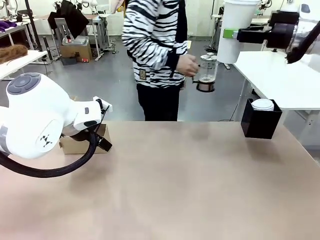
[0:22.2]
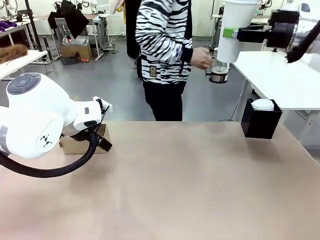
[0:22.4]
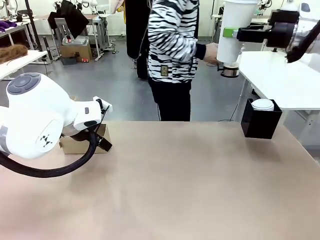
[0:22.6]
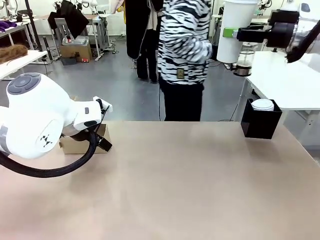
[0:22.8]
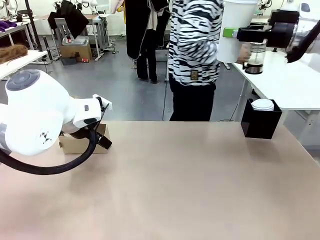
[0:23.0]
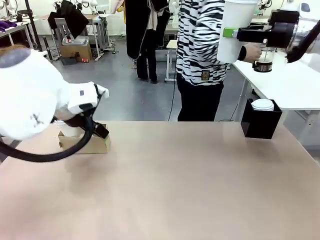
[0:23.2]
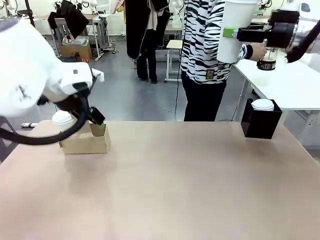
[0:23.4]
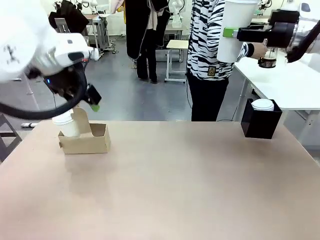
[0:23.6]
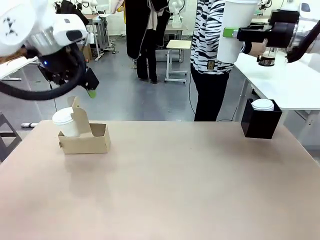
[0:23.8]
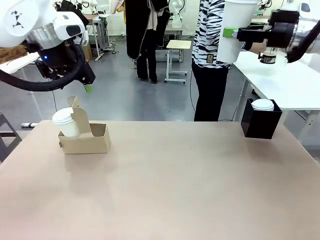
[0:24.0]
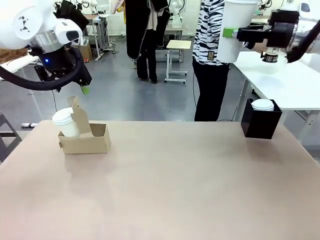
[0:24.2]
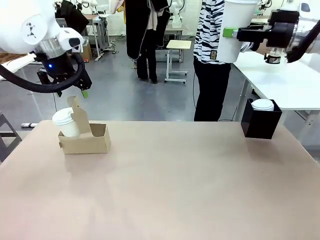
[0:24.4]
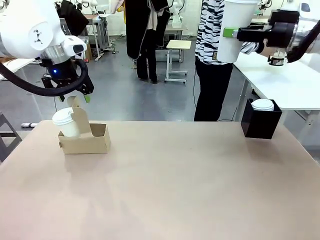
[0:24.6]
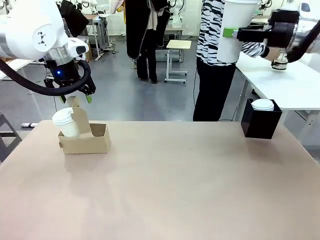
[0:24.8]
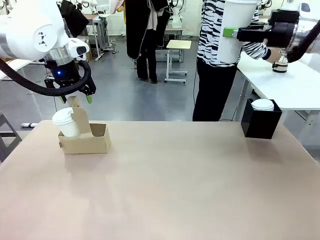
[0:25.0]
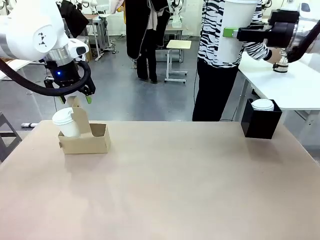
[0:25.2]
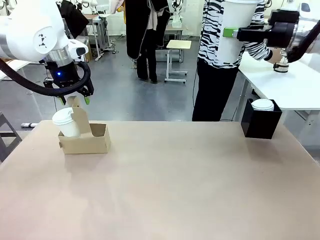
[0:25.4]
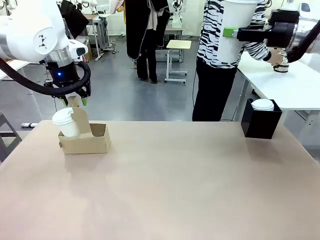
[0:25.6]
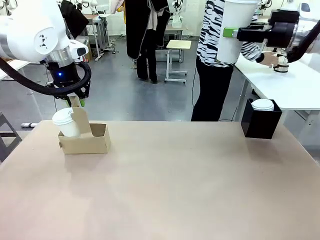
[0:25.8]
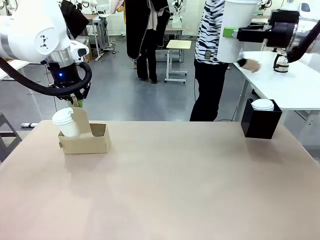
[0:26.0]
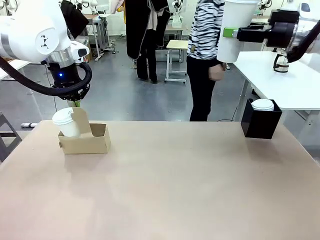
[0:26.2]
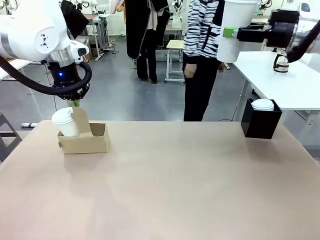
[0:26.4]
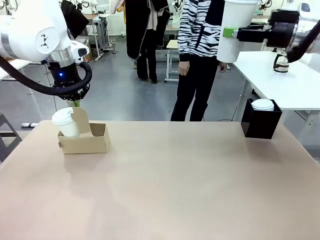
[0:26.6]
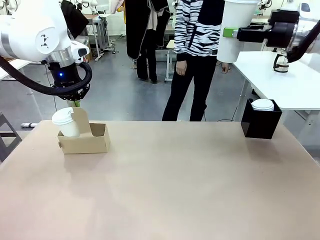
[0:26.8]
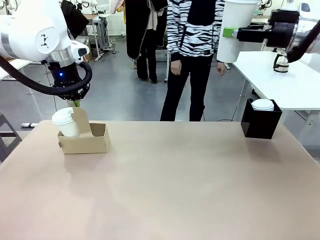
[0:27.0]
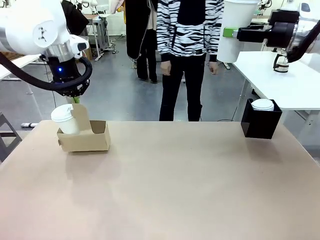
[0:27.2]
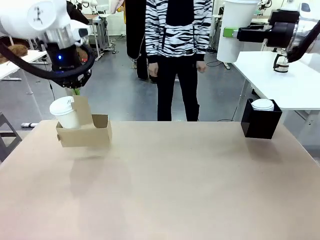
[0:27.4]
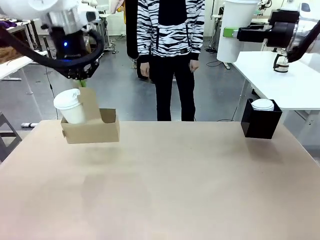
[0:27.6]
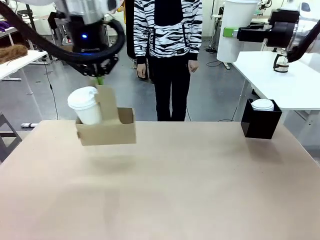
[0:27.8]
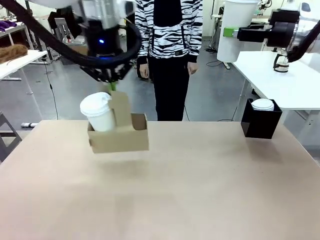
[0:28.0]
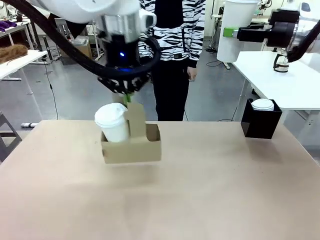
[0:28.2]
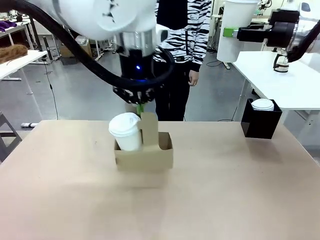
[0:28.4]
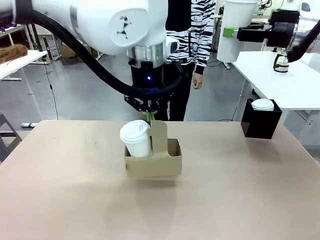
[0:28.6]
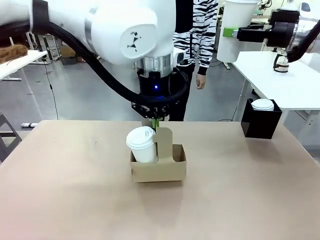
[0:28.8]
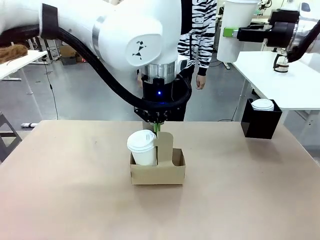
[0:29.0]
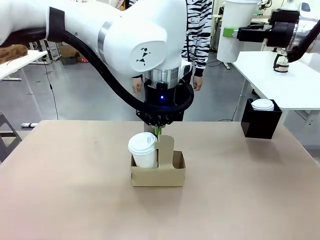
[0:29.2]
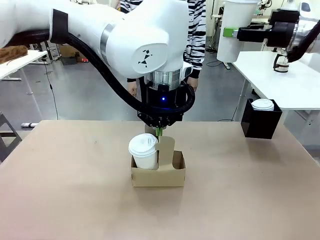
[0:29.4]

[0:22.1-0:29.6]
Task: Pour a drink into a cup and package it in a carrier.
Robot: Position the Cup Carrier in the center of the table.
Person: Pick up the Filter Brewing and place on the middle of Human table, and return to the Robot table.

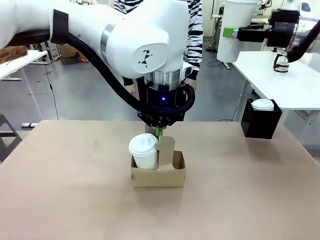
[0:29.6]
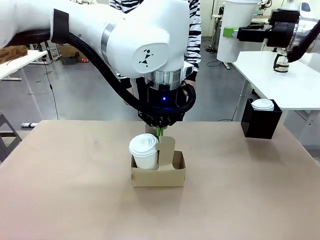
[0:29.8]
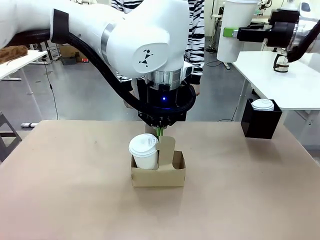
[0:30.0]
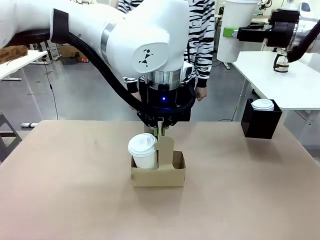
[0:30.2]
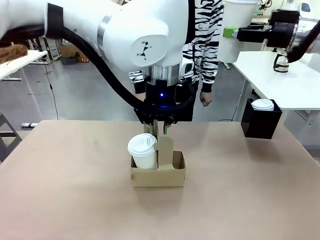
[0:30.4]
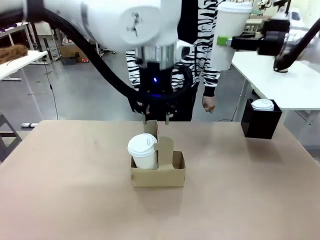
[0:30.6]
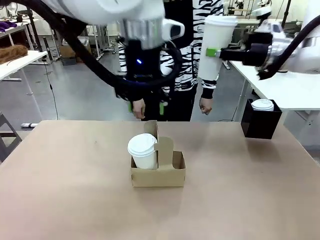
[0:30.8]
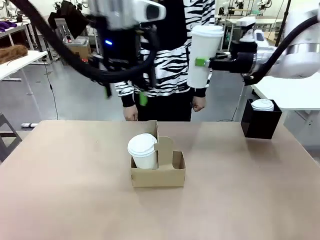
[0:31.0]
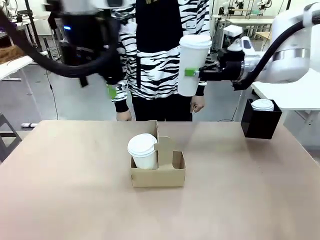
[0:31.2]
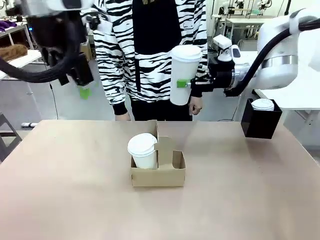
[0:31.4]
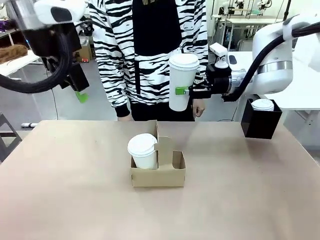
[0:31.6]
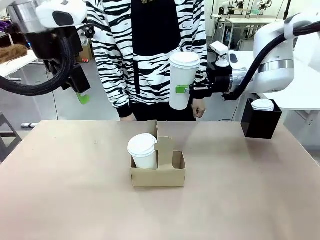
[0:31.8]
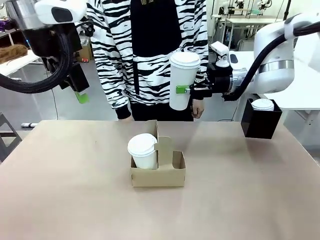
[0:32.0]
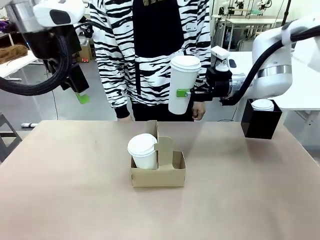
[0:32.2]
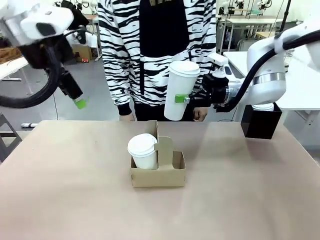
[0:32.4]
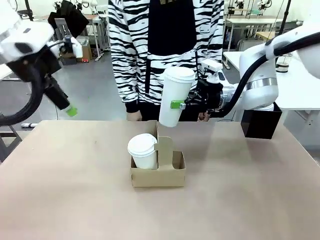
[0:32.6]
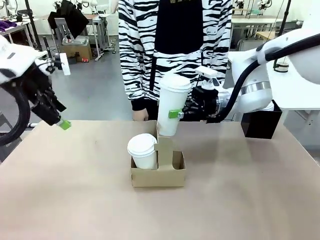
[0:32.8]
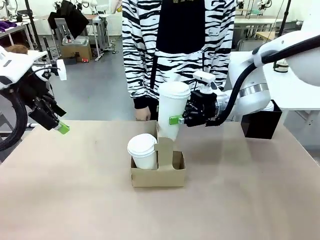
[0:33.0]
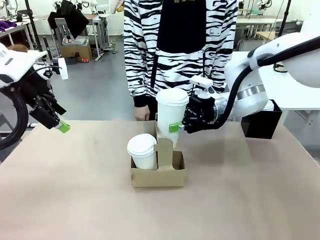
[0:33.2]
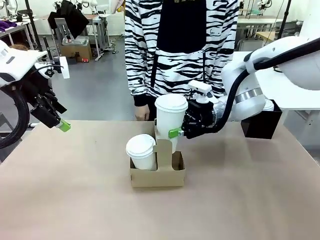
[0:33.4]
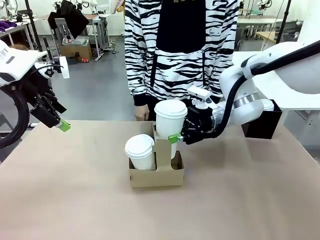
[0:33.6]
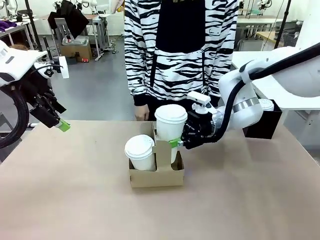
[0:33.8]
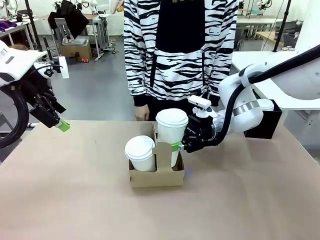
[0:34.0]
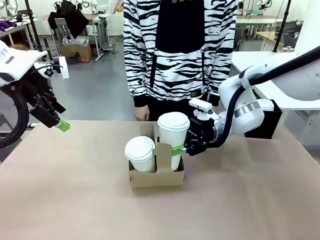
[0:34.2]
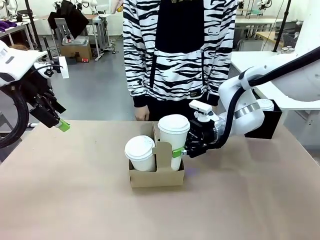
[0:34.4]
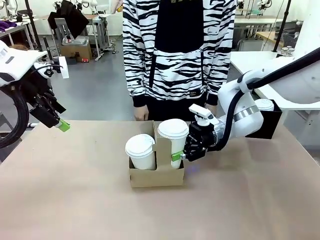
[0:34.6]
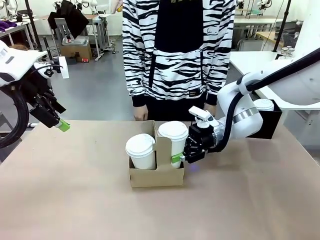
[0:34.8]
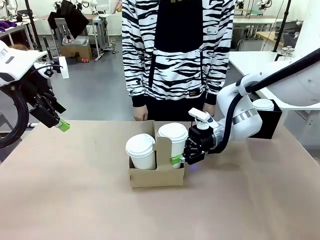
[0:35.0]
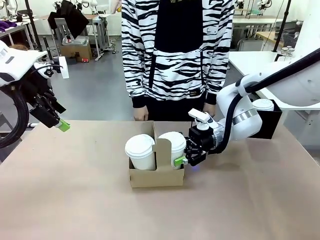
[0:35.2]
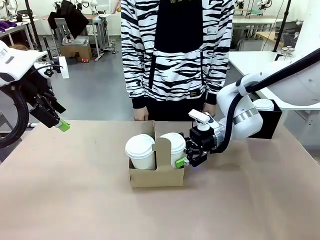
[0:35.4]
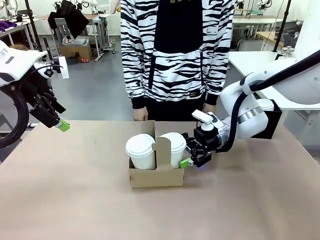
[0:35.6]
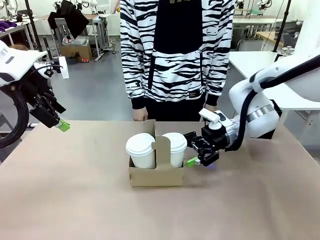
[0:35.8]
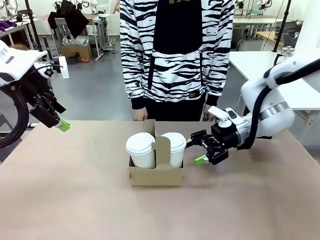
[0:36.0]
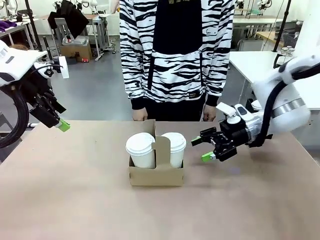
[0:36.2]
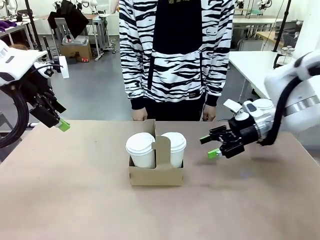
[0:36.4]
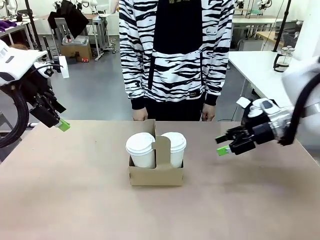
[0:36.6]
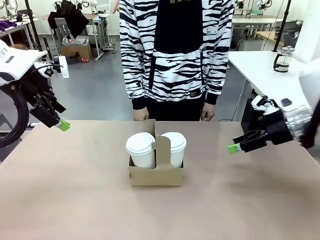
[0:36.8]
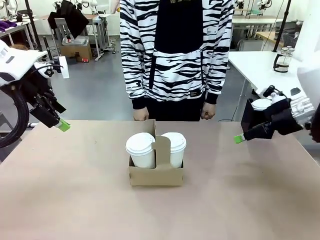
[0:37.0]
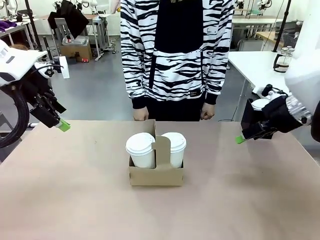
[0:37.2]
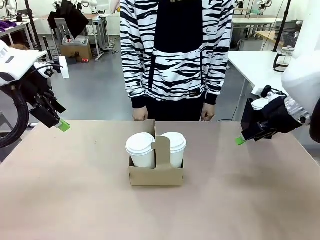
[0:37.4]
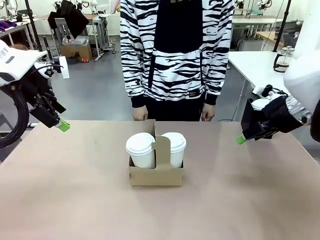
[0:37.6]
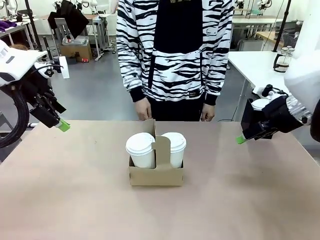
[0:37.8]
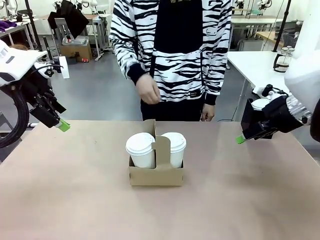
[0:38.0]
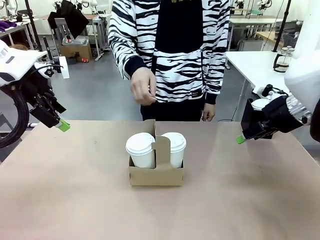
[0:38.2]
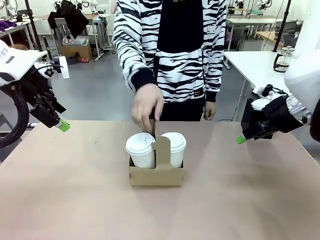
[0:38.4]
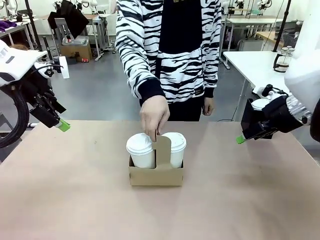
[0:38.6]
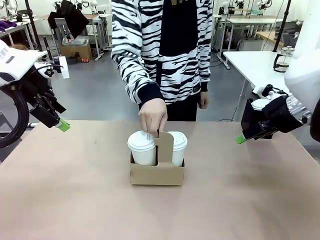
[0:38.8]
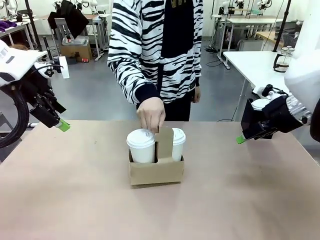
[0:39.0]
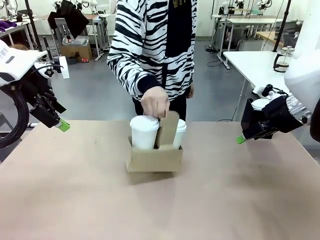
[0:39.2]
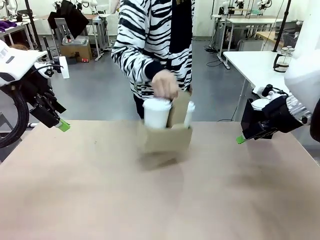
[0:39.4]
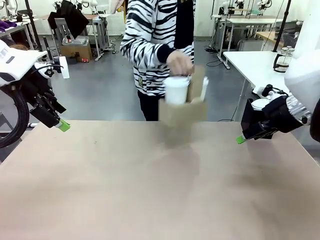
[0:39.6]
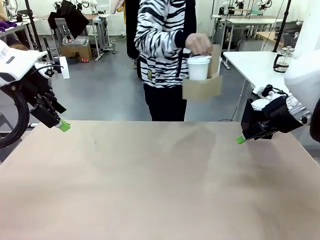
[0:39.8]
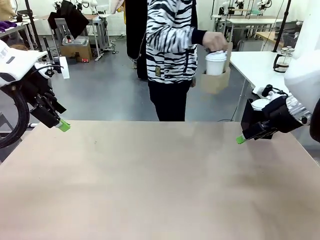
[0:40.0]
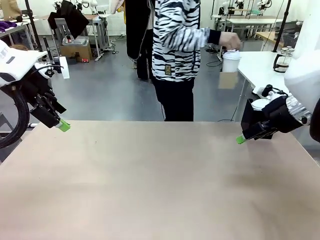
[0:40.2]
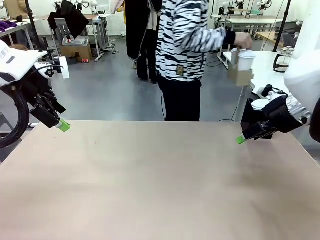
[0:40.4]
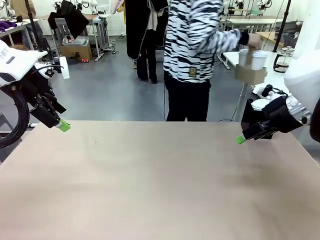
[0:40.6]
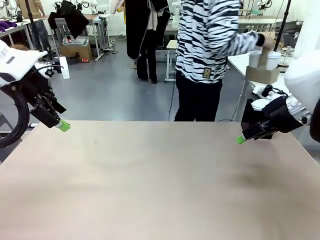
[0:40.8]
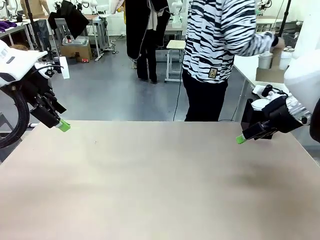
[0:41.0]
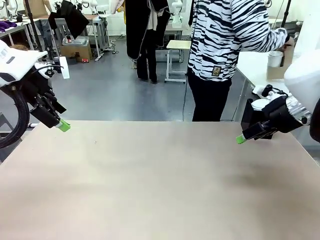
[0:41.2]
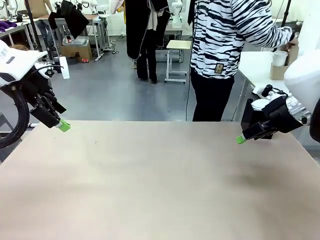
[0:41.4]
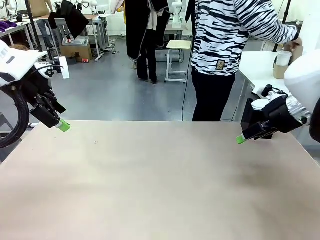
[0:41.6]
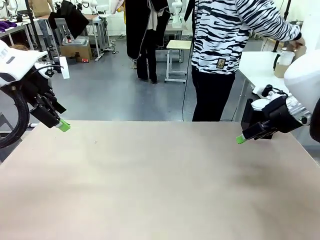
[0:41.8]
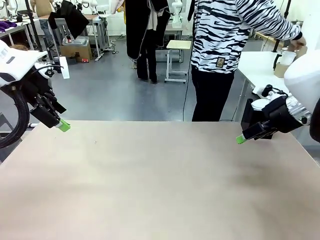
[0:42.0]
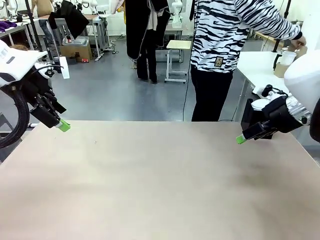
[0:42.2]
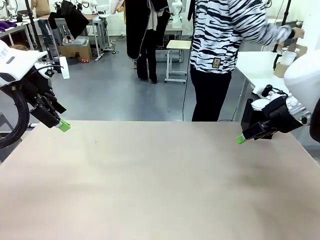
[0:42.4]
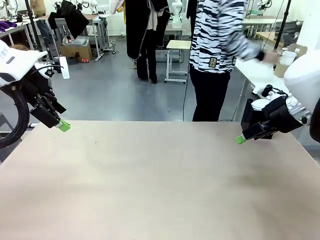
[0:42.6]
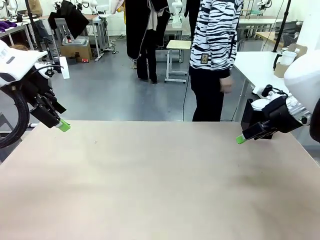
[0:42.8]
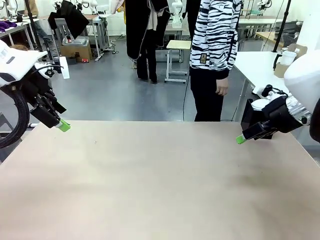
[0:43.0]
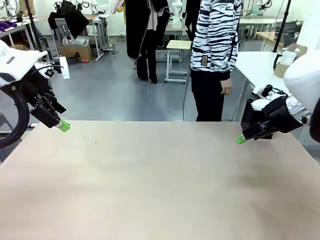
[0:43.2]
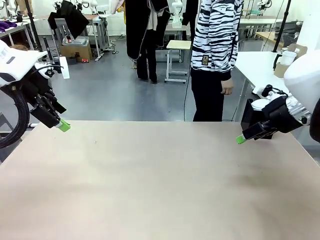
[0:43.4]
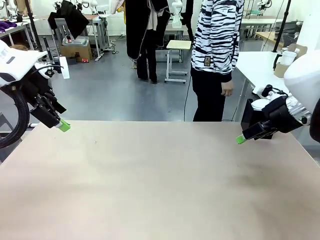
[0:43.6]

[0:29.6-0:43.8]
Robot: Insert the held 600 ml Paper Cup into the Cup Carrier.
Person: Place the Cup Carrier to the middle of Human table.
